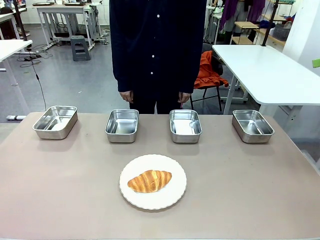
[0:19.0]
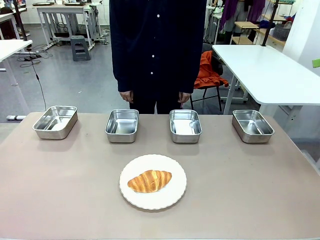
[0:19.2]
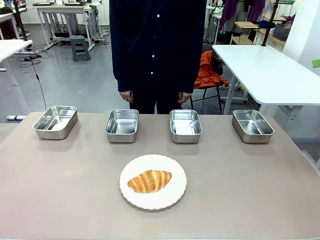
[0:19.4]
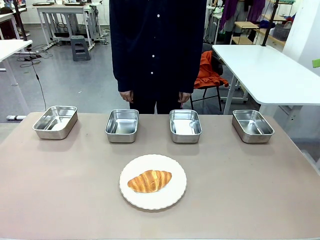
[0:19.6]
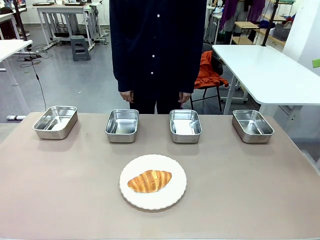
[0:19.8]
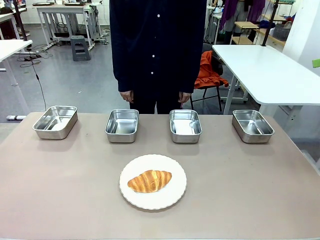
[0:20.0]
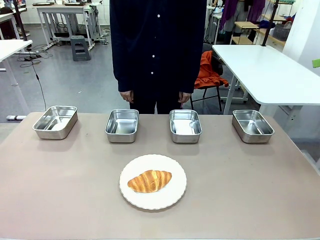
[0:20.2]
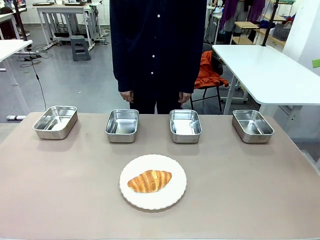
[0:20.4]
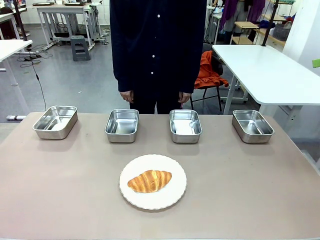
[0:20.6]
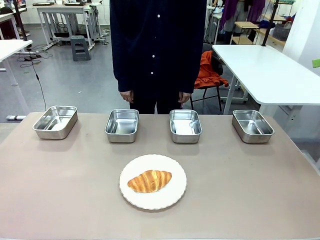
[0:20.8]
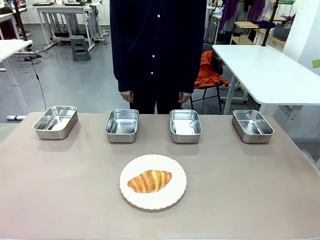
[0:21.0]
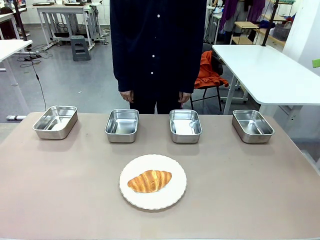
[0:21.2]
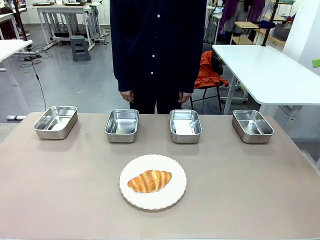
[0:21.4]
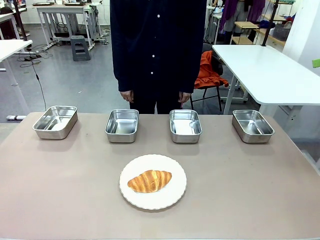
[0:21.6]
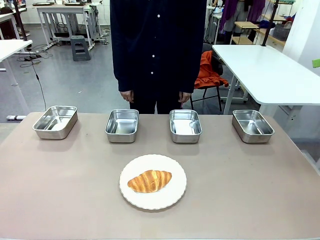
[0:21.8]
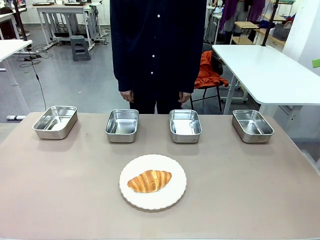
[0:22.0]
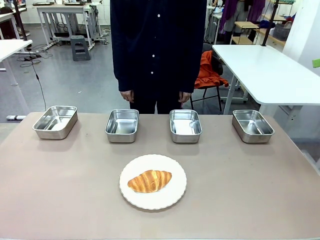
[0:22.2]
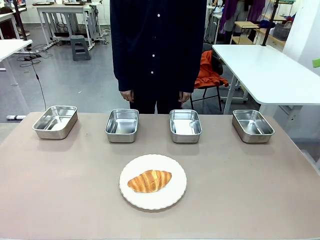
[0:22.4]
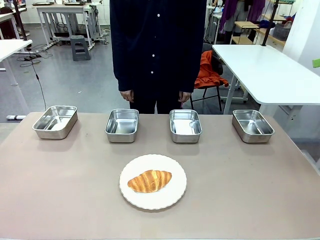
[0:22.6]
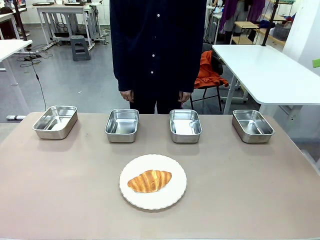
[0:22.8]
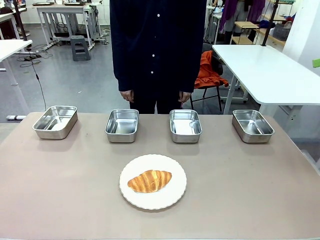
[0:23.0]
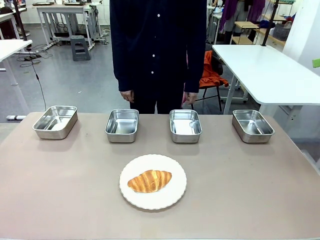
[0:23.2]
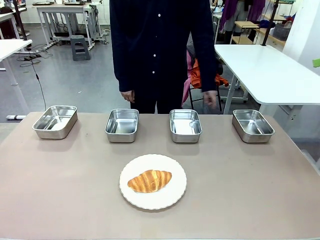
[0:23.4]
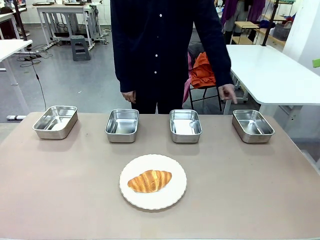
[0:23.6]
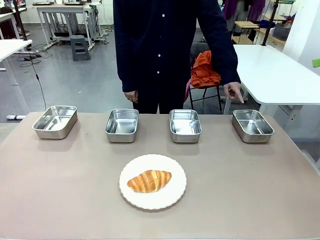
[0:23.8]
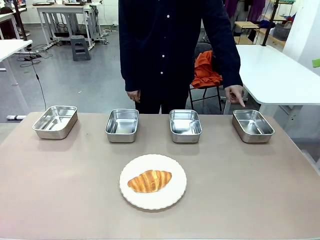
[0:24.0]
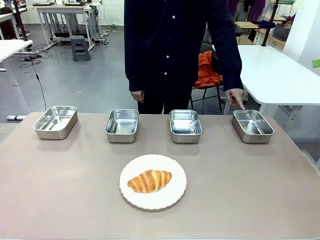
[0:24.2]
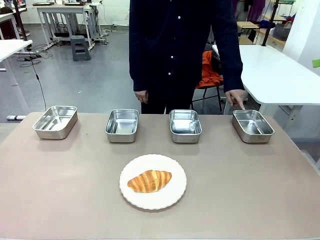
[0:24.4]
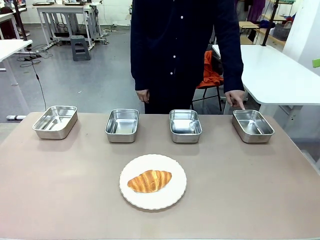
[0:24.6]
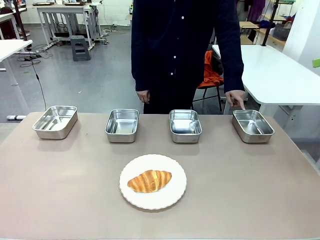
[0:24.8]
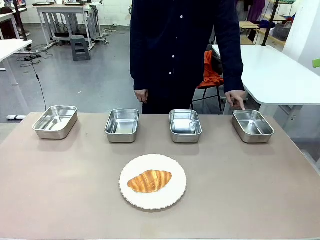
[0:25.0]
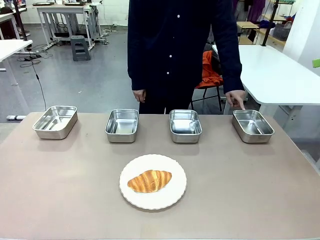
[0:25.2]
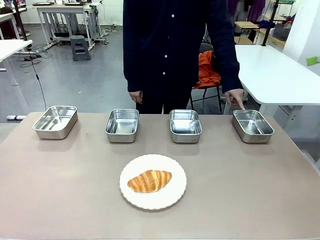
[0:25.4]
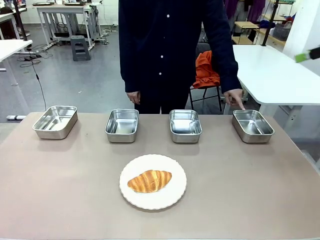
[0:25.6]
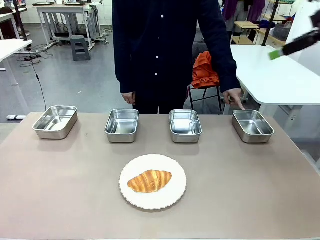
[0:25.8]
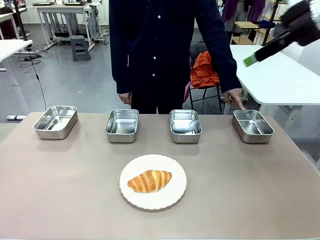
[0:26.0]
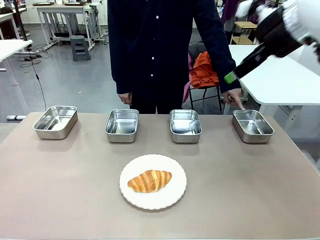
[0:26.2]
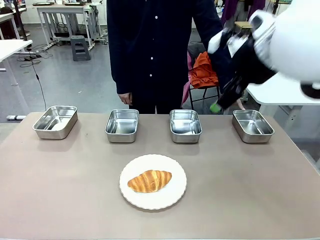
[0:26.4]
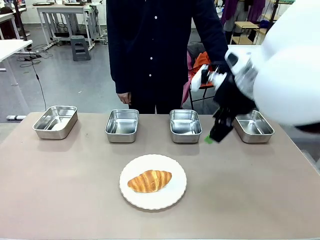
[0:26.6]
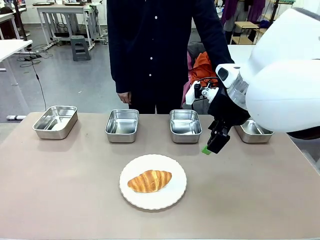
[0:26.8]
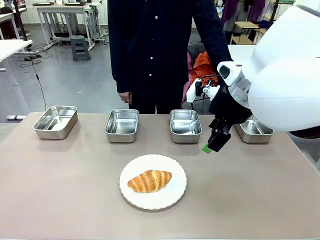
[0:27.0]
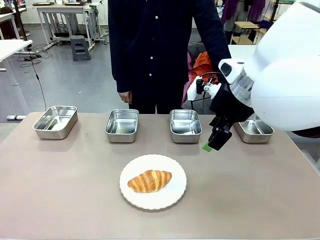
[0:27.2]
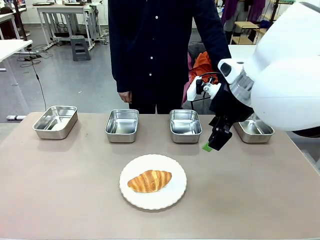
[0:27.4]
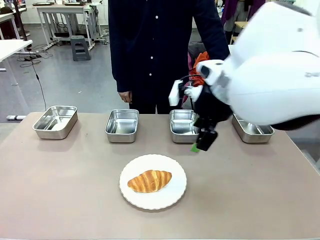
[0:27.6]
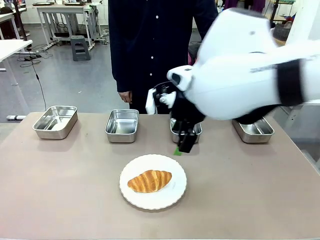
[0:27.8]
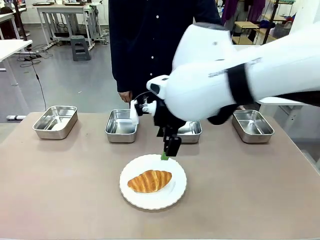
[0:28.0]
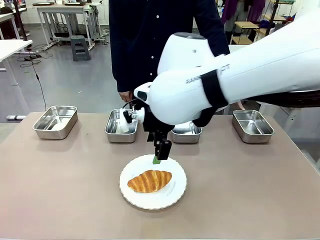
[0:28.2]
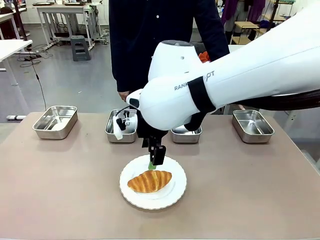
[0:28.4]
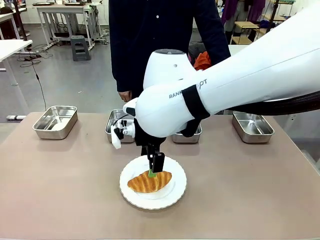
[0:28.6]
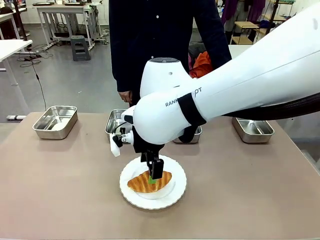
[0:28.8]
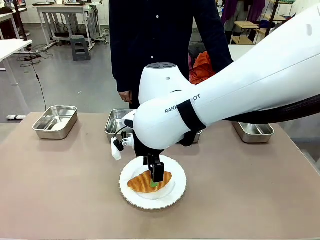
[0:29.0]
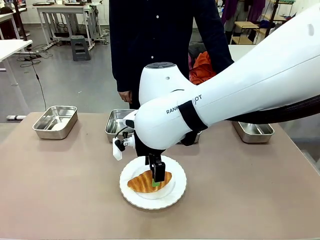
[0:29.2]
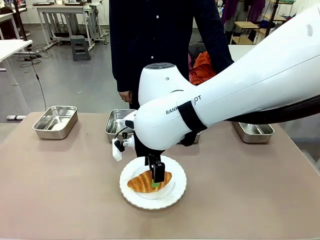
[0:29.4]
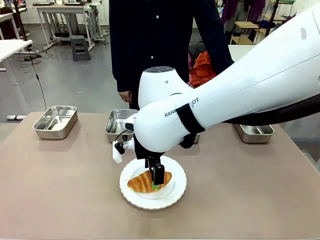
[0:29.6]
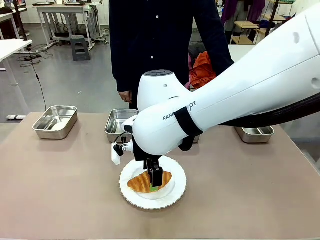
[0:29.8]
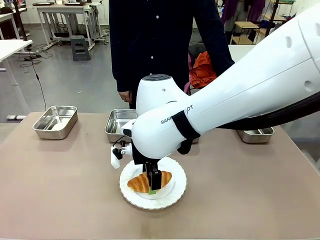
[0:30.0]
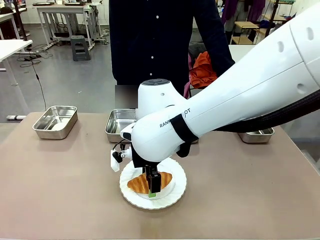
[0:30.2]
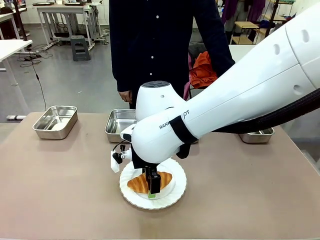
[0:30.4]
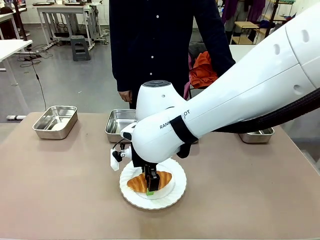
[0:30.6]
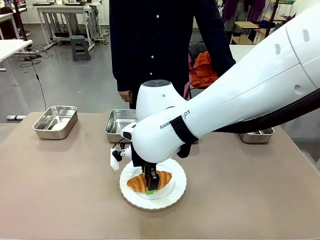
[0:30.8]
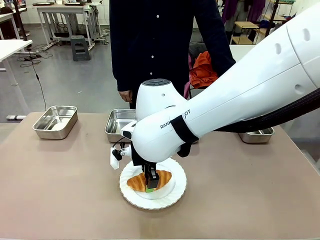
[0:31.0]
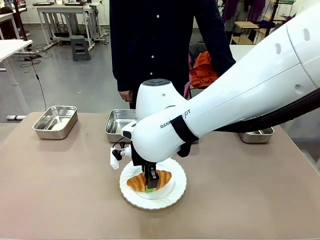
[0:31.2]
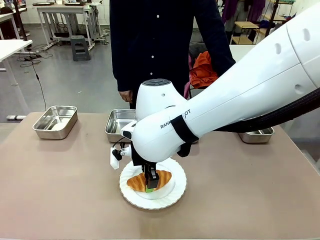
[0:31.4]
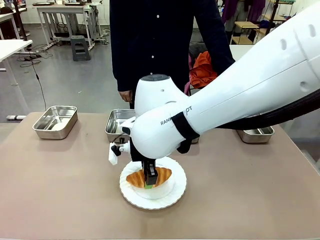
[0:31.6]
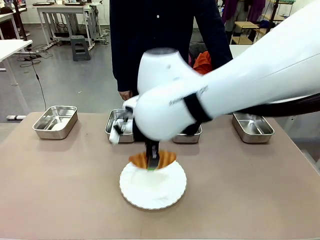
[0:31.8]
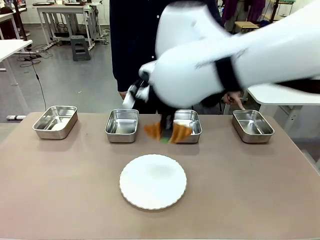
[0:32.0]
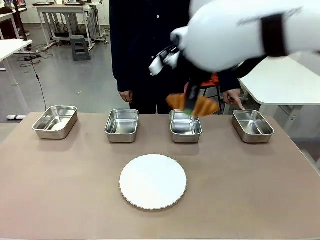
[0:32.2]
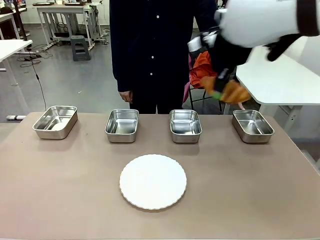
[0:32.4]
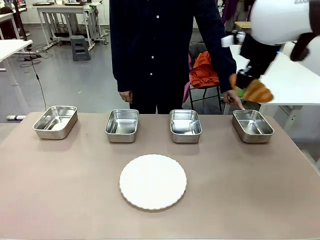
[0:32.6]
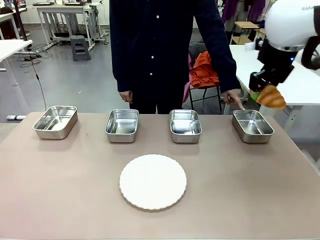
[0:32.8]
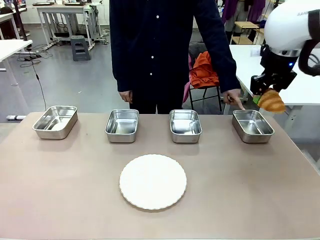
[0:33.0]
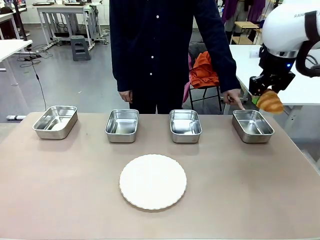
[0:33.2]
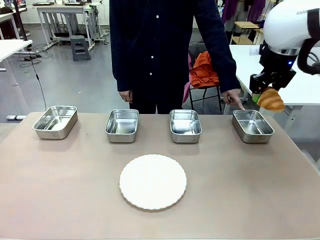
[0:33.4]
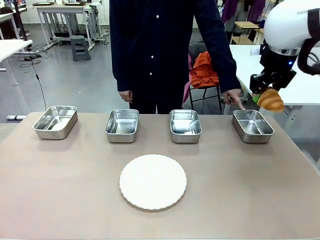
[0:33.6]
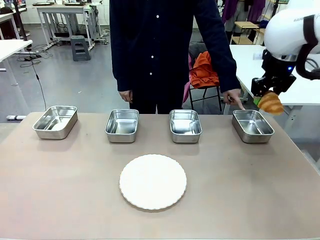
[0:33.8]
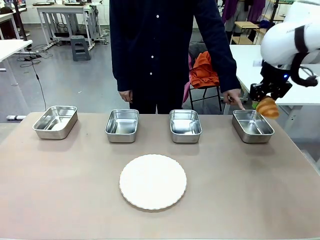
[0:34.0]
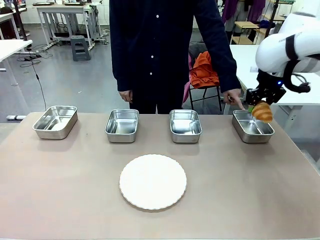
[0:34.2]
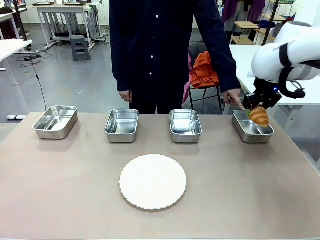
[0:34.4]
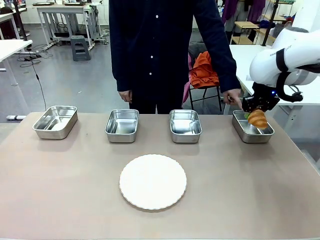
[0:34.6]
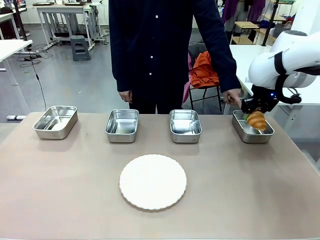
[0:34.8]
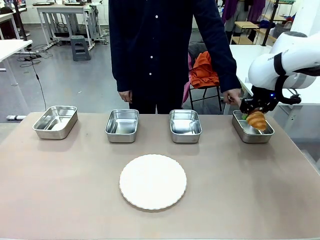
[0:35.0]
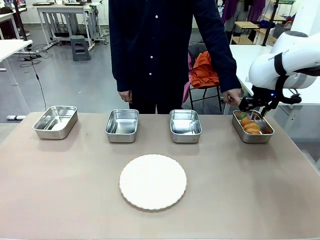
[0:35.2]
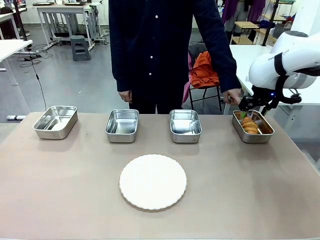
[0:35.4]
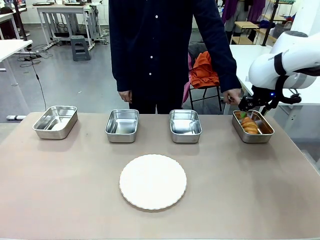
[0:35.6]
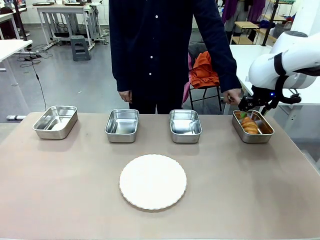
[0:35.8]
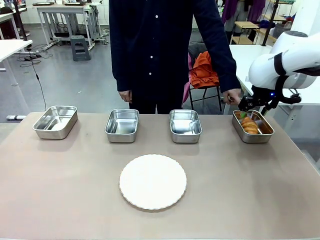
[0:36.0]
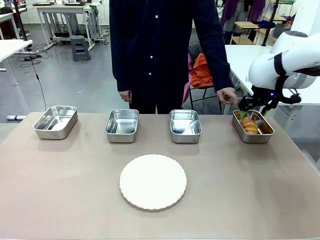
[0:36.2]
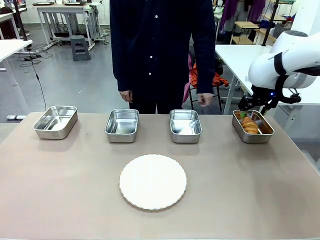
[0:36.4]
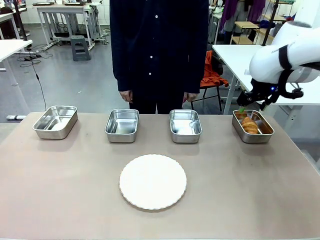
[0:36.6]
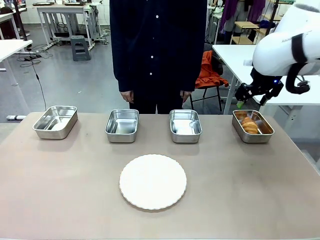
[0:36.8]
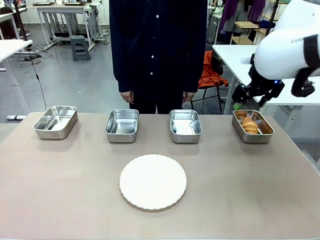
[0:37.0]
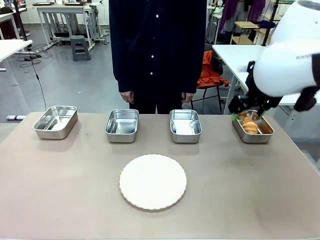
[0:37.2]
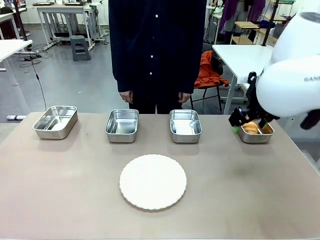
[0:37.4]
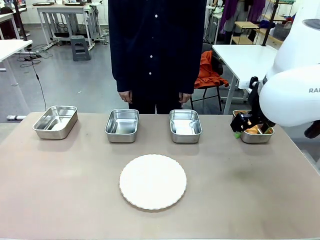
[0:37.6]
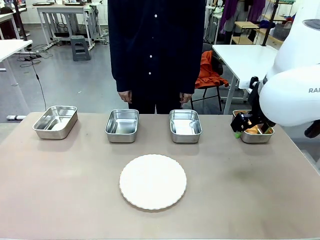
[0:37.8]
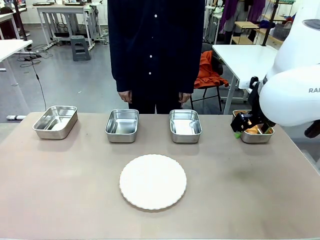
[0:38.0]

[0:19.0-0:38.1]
Task: Place the bread in the container.
Robot: Place the Butter Roll into the Airtight Container indicated by the human.
Person: A person randomly selects and points to an Airtight Container.
